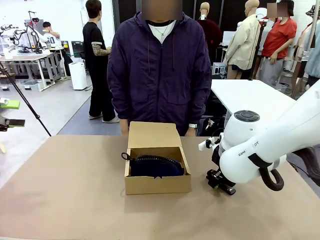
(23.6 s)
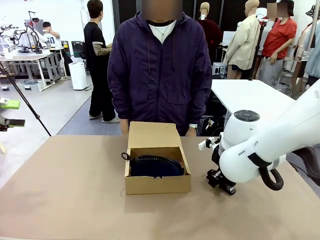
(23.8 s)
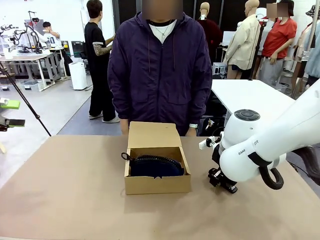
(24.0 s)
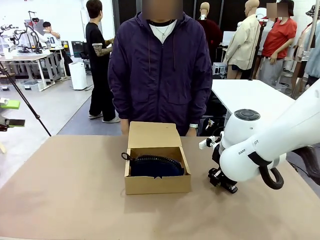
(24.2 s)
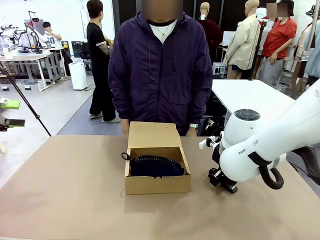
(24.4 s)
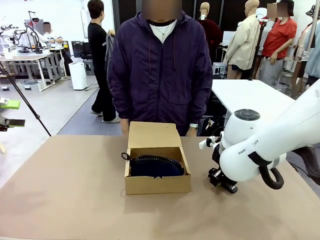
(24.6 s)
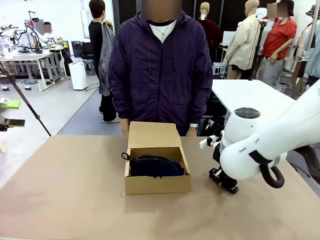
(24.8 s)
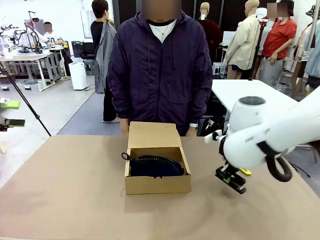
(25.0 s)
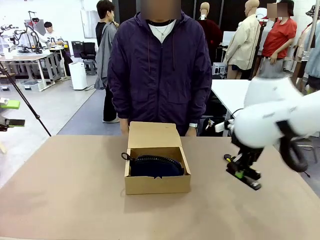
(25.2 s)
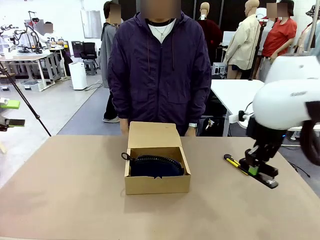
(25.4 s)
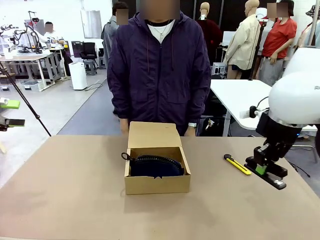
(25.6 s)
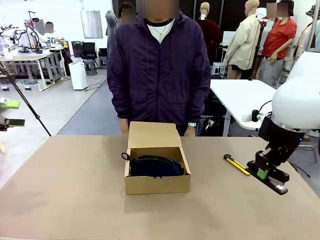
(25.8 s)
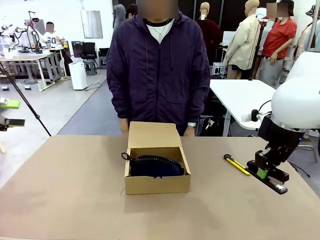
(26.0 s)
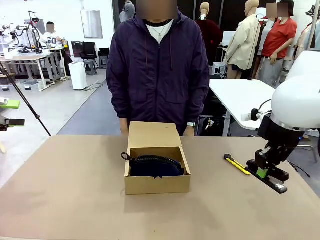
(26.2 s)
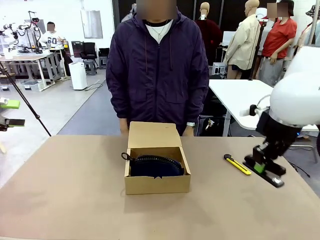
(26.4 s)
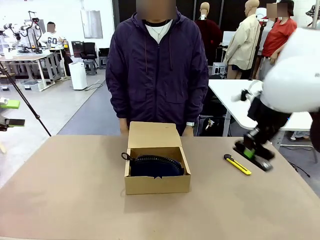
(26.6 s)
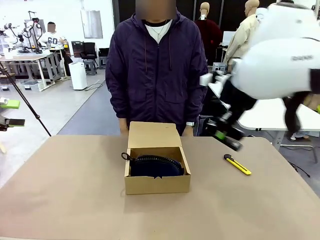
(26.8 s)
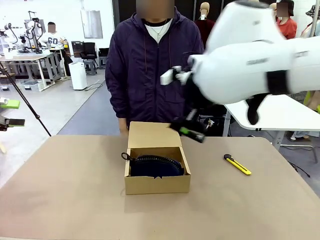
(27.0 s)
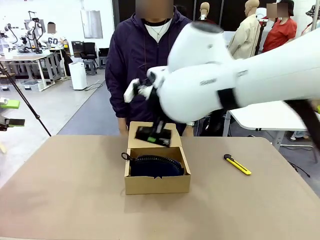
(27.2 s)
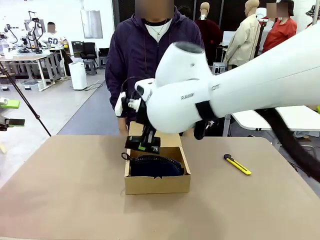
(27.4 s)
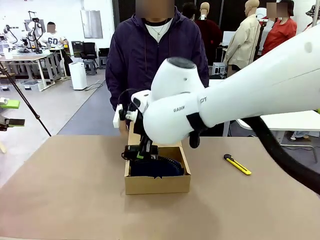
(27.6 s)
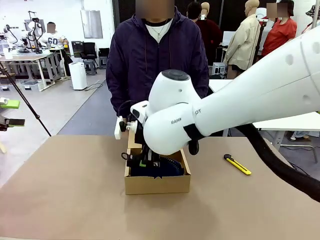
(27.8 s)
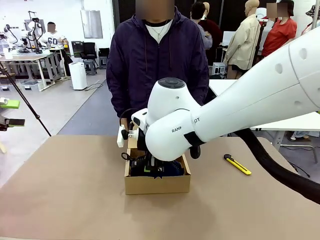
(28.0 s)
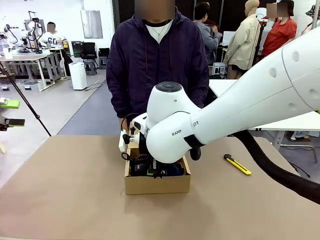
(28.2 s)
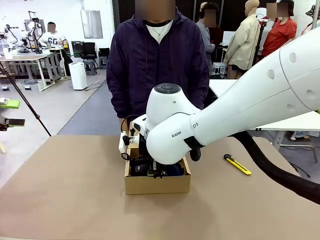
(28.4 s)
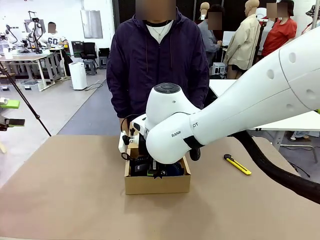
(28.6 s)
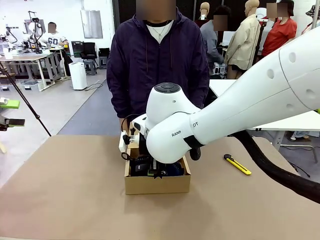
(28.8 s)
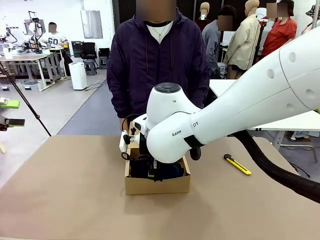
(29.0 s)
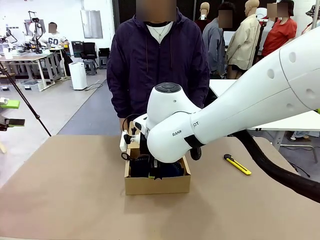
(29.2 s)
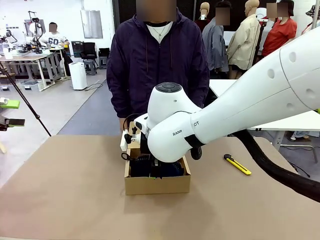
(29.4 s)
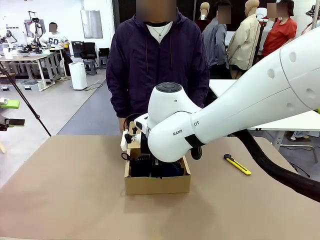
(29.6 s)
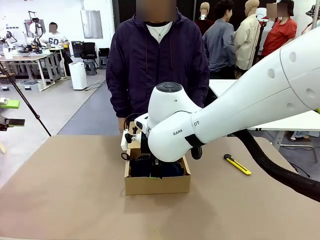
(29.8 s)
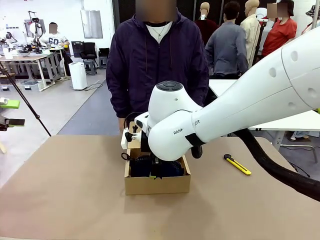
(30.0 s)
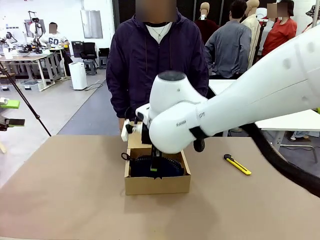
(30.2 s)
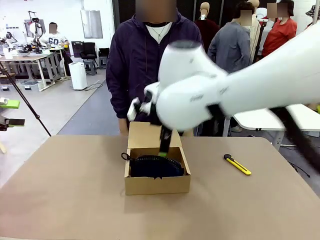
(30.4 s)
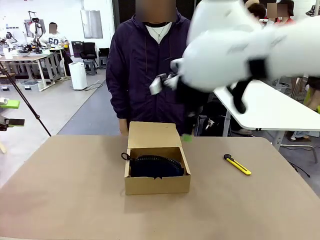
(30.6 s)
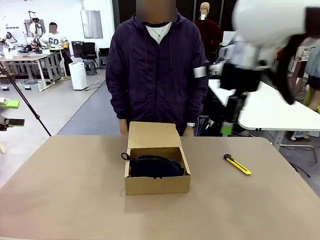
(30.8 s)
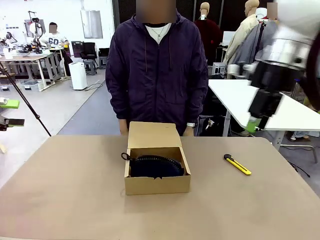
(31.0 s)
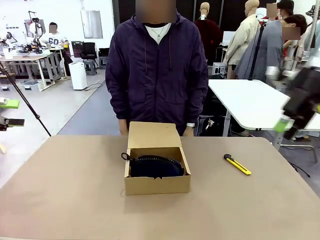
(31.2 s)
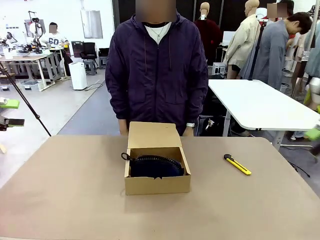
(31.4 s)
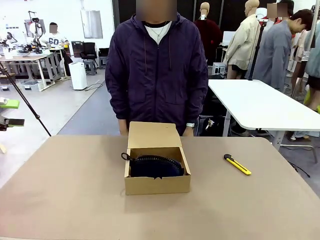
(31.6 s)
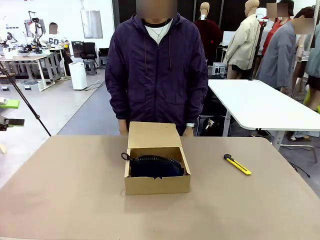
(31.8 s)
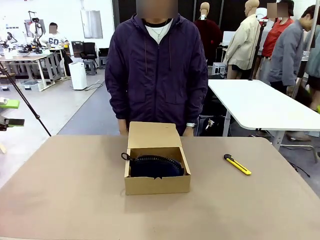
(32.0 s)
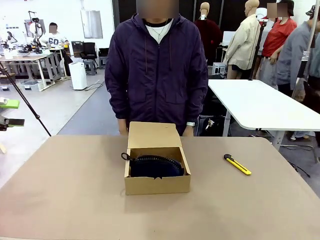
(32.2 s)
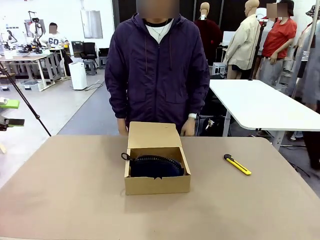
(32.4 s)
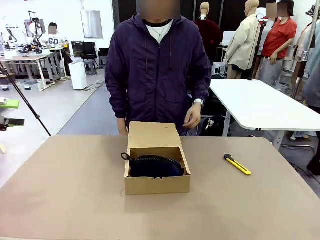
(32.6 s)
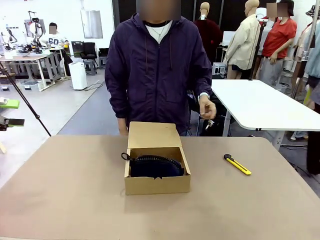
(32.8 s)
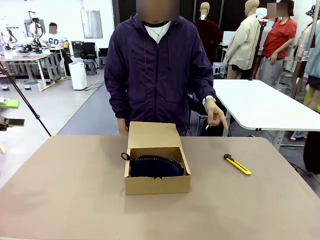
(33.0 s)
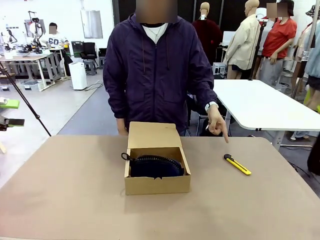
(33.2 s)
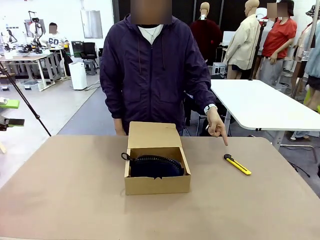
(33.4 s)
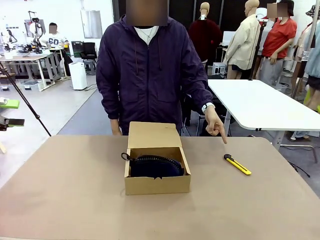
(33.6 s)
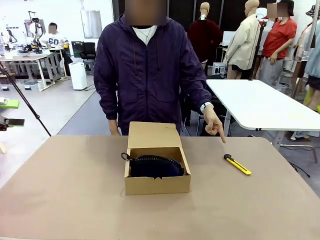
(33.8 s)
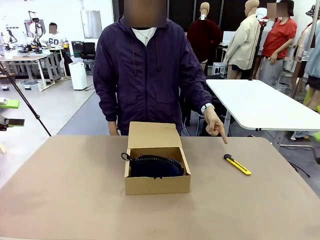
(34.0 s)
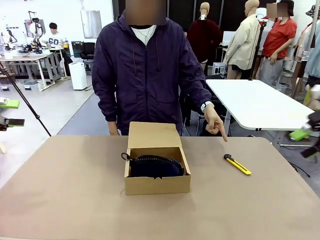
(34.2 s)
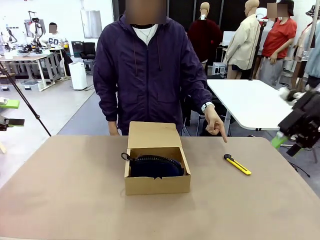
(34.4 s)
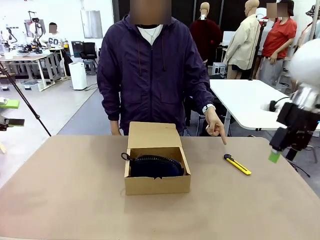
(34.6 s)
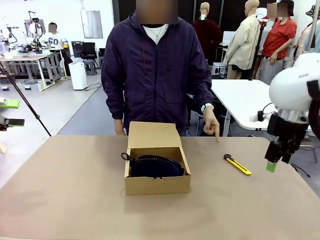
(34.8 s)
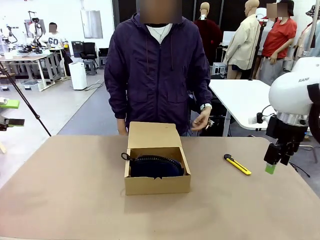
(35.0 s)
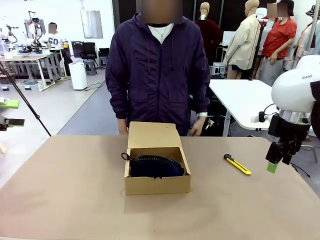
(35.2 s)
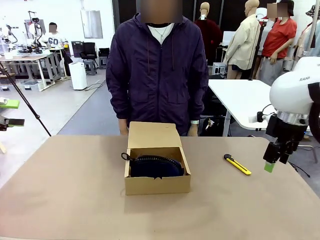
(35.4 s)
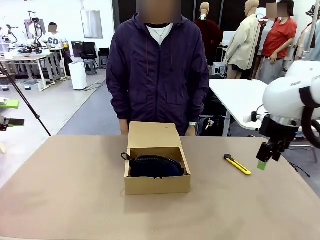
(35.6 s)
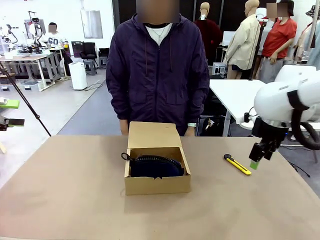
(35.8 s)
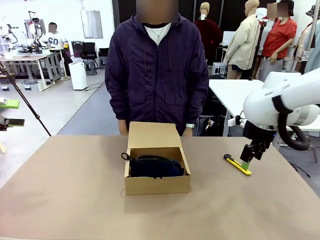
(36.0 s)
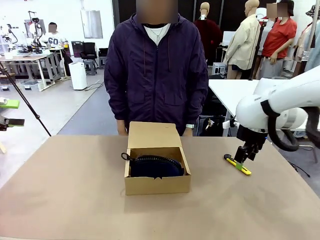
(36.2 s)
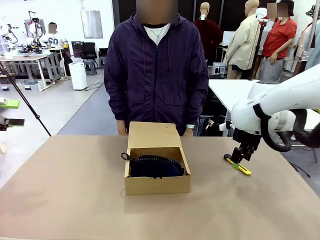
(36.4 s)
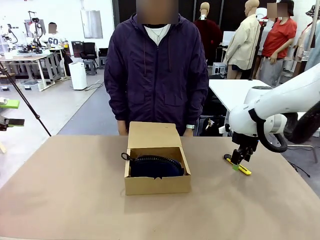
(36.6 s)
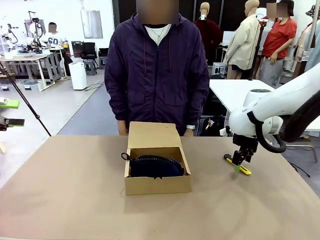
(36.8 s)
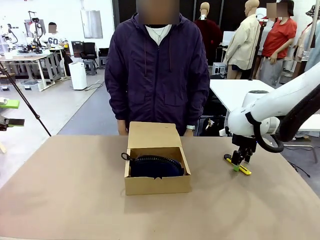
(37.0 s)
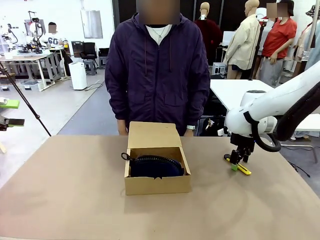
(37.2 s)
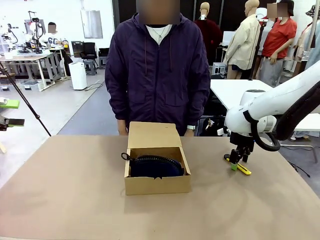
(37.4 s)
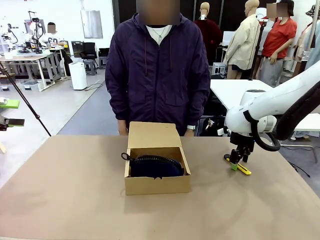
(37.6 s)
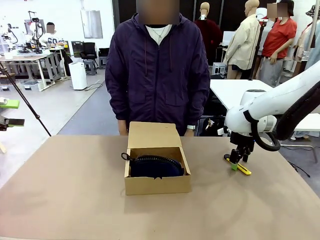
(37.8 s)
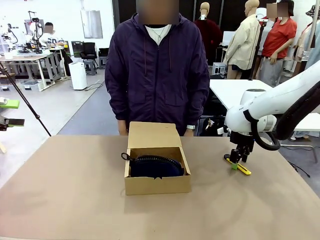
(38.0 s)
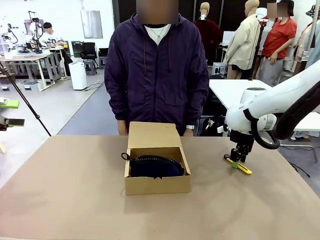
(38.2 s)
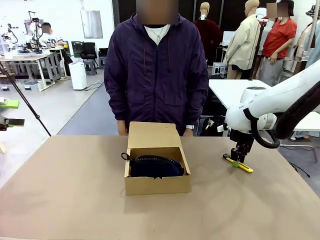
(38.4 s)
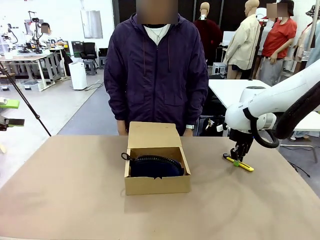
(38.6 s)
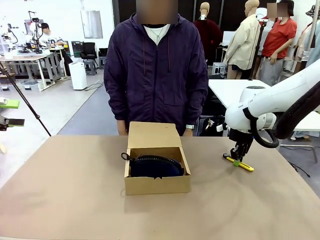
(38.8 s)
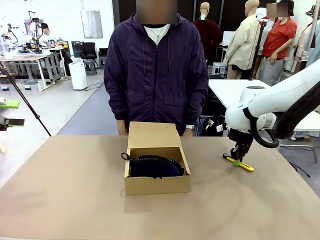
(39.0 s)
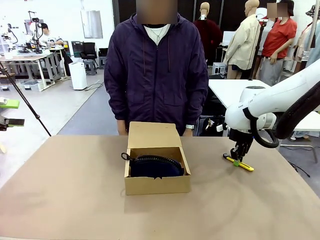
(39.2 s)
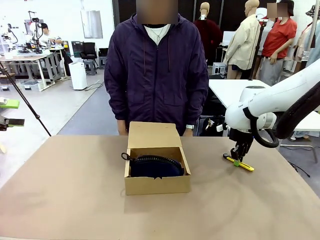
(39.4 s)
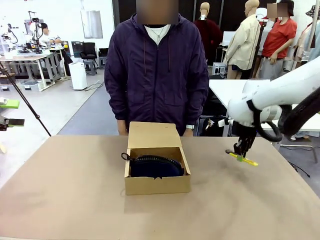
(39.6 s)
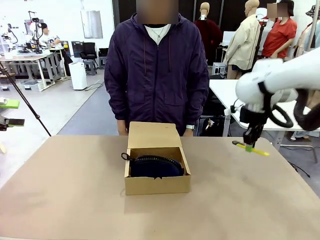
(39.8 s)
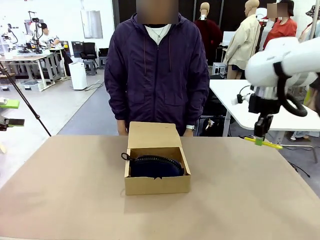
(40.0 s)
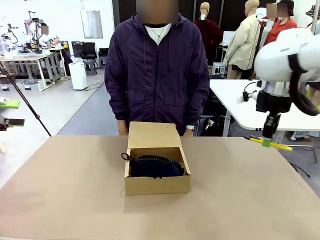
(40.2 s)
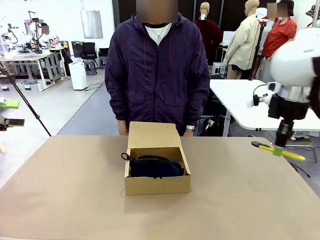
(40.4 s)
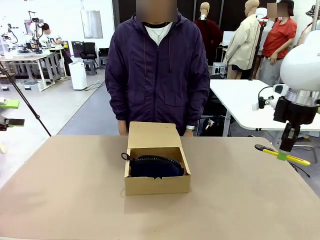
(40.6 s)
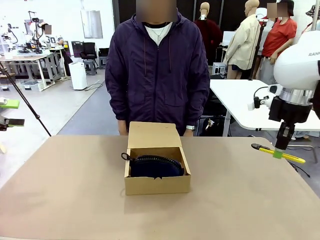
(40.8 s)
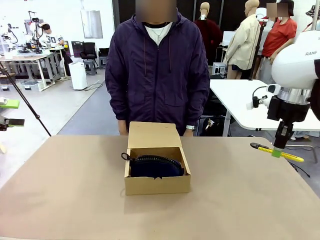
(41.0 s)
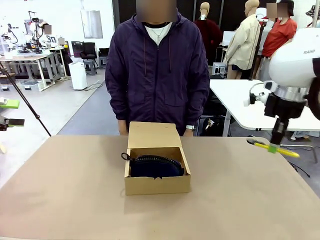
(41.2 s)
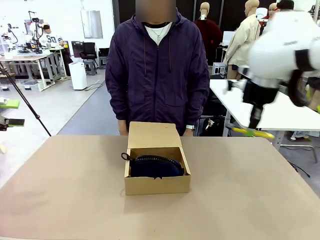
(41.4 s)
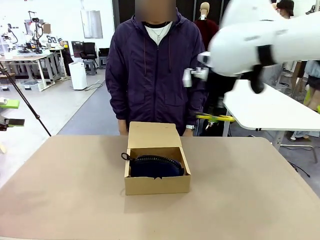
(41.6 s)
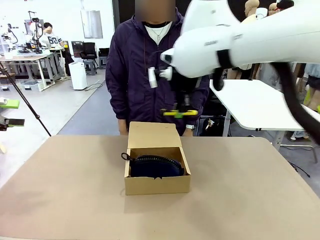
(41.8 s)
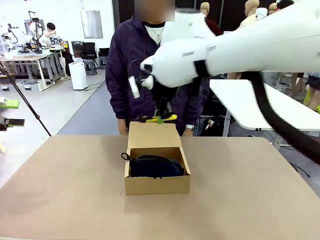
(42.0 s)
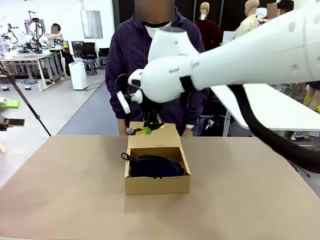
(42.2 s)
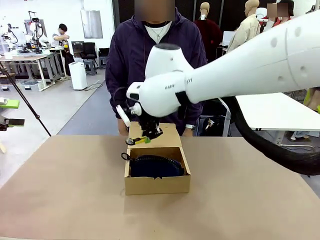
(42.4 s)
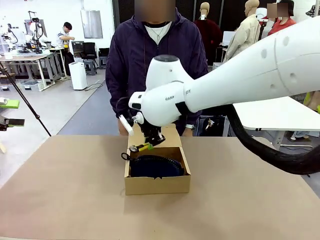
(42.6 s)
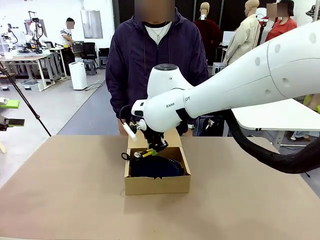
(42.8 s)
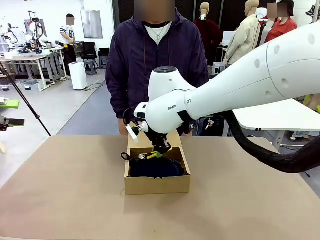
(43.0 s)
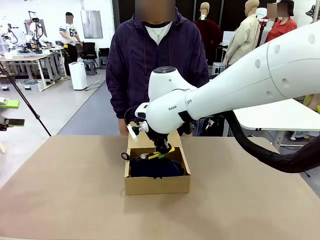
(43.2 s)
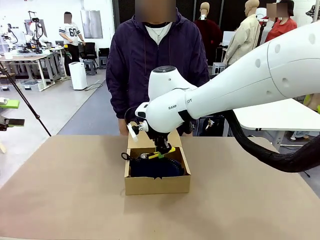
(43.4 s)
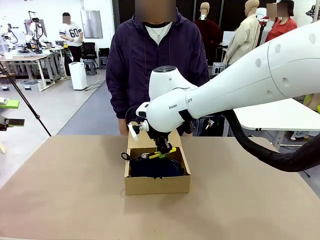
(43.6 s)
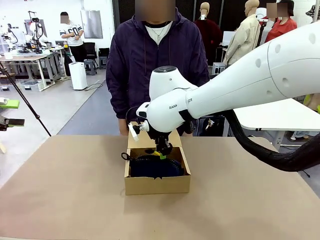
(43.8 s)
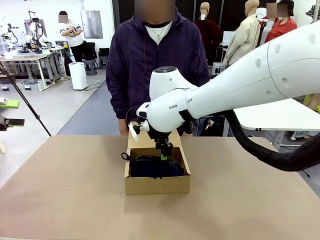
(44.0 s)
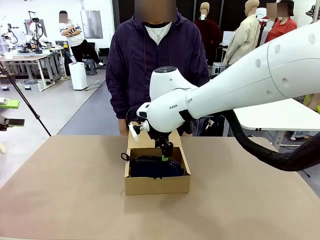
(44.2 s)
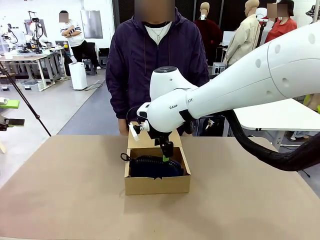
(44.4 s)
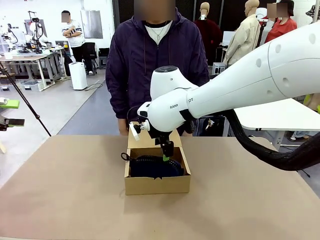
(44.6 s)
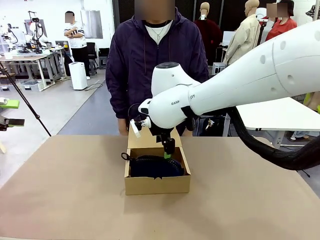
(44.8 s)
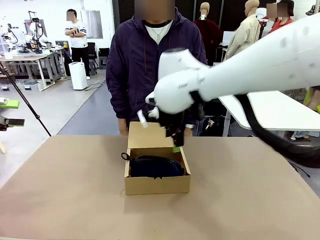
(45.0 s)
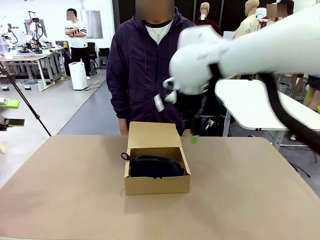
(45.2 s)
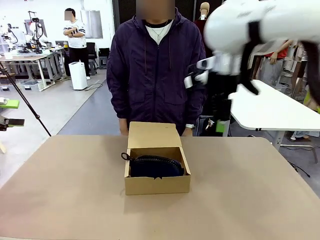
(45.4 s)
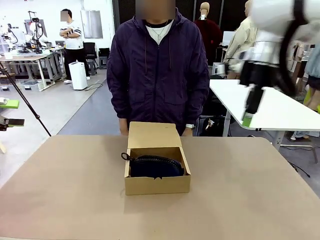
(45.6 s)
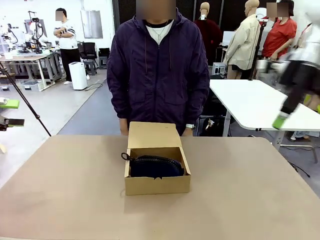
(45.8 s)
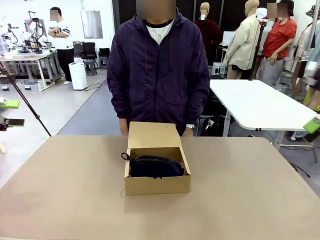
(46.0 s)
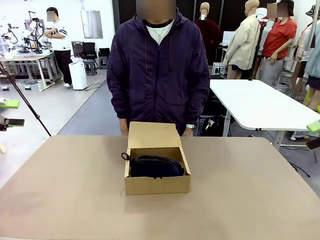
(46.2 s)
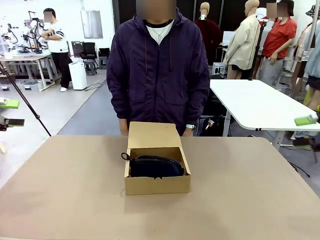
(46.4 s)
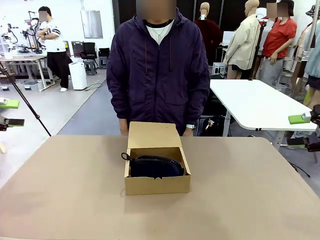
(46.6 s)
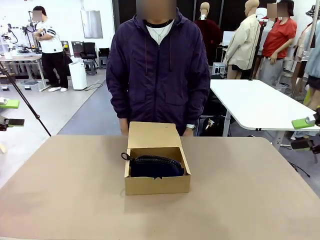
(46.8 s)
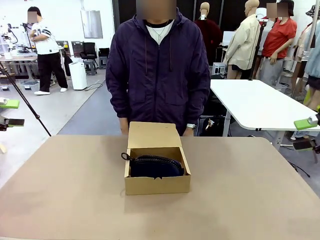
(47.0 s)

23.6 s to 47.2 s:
Task: Pack the items into the box.
Robot: Pick up the item indicated by the person and place it inside the Mailer Box.
Person: Lower both hands vertically with palms facing downward, as if pressing something closed.
